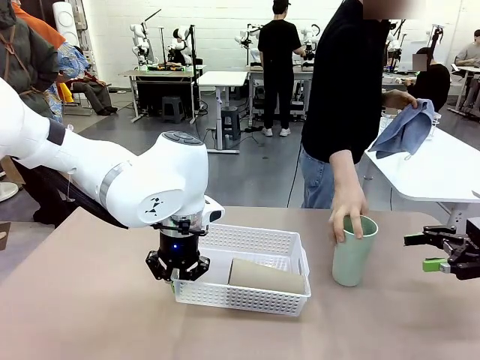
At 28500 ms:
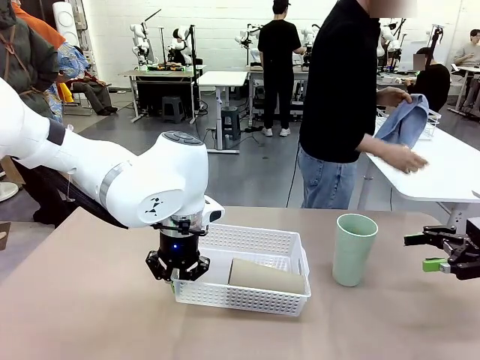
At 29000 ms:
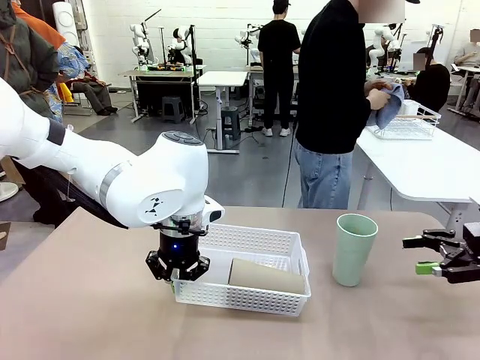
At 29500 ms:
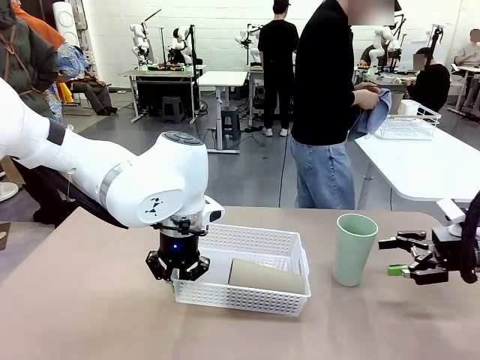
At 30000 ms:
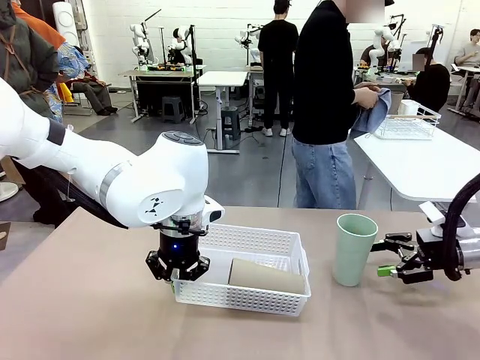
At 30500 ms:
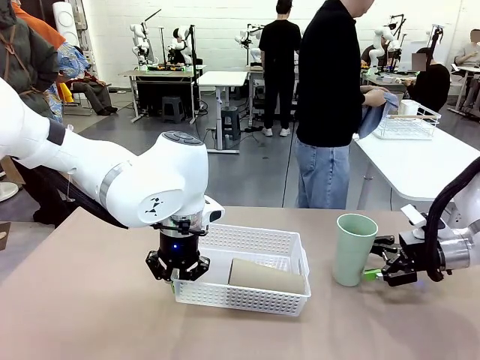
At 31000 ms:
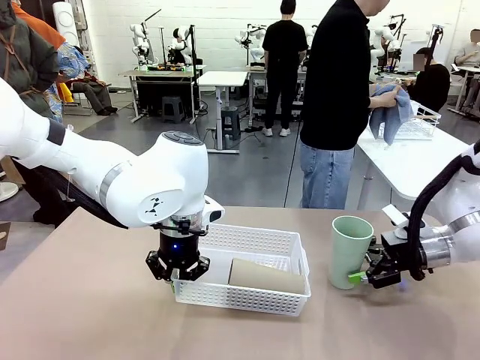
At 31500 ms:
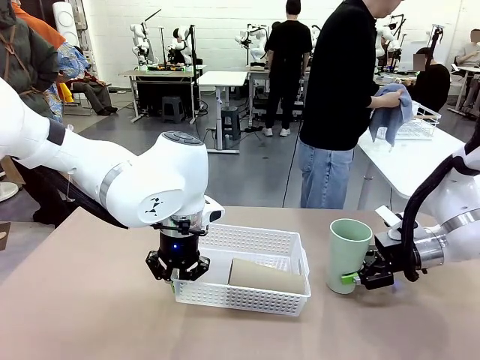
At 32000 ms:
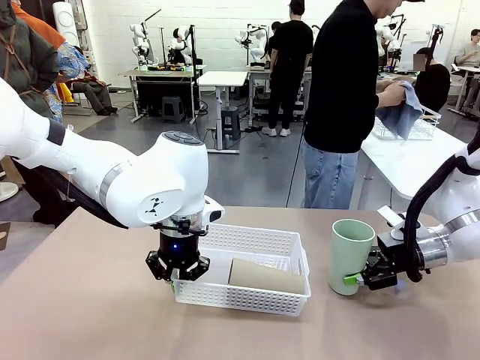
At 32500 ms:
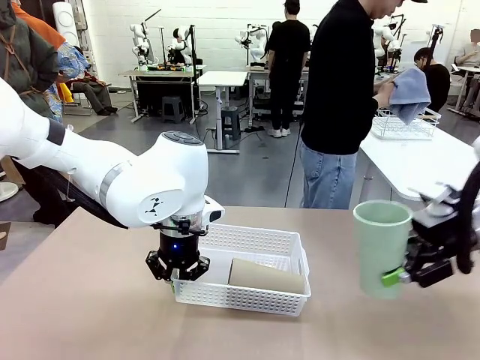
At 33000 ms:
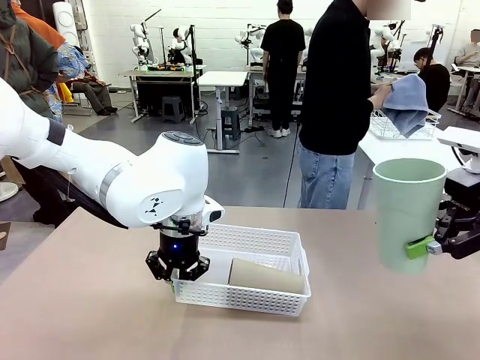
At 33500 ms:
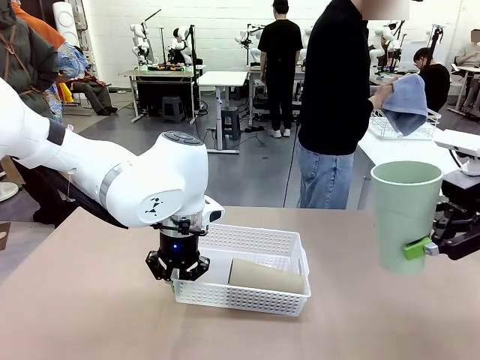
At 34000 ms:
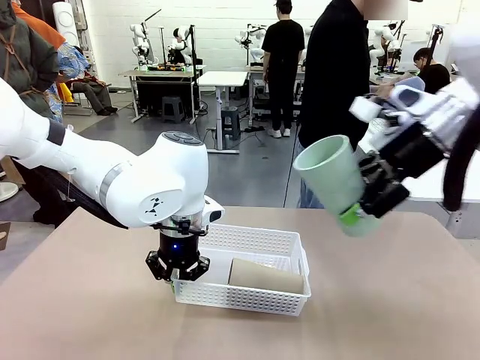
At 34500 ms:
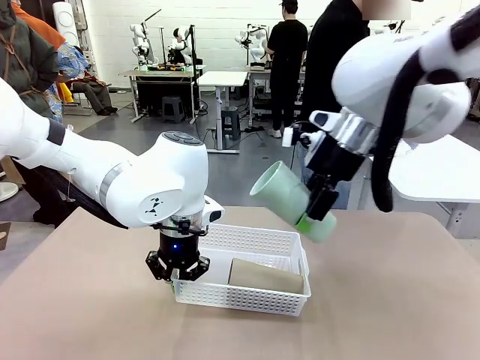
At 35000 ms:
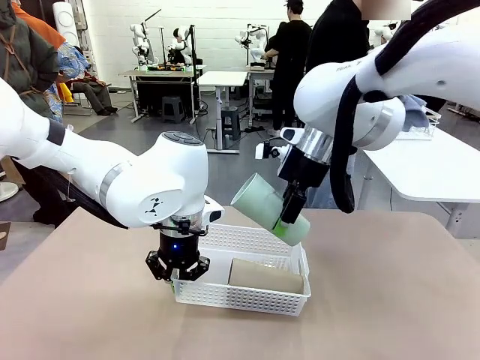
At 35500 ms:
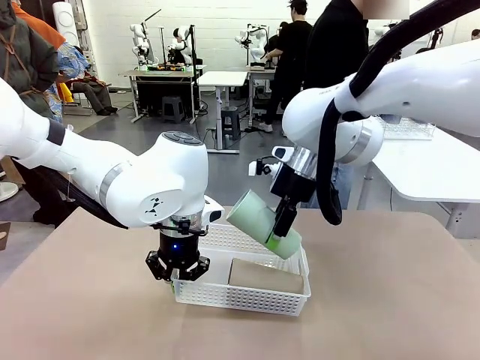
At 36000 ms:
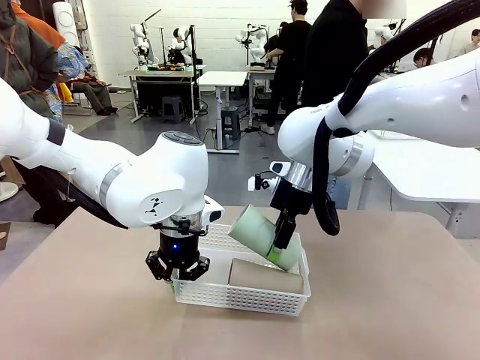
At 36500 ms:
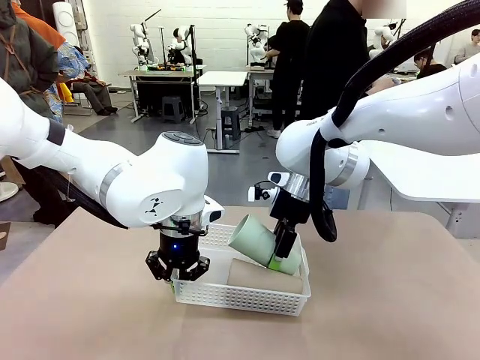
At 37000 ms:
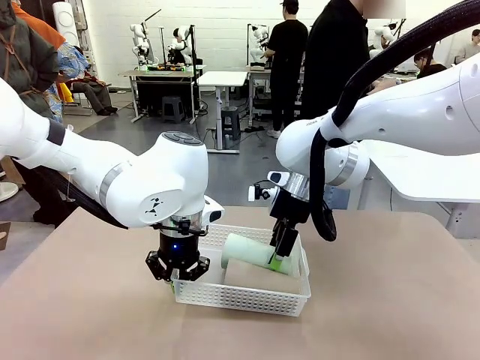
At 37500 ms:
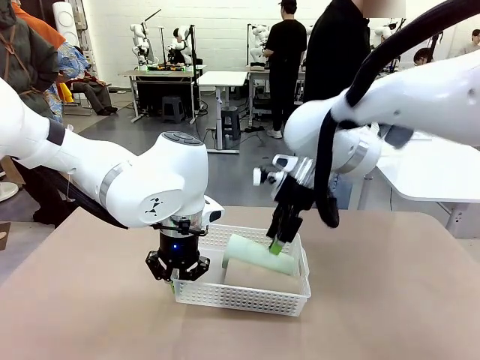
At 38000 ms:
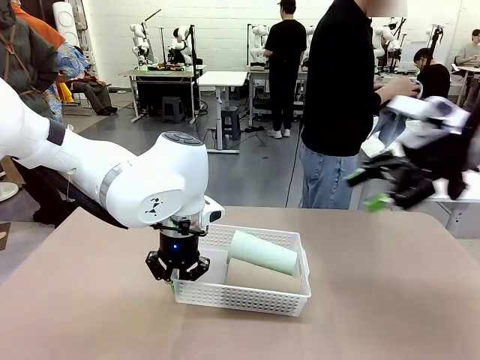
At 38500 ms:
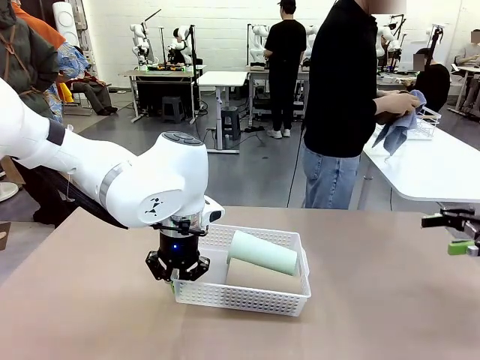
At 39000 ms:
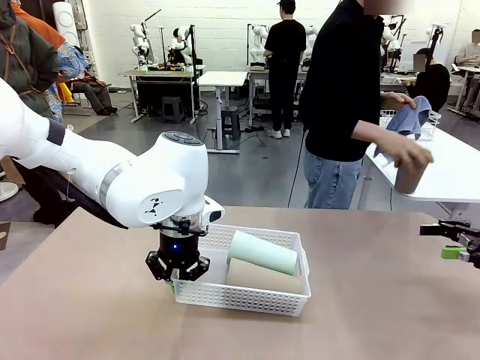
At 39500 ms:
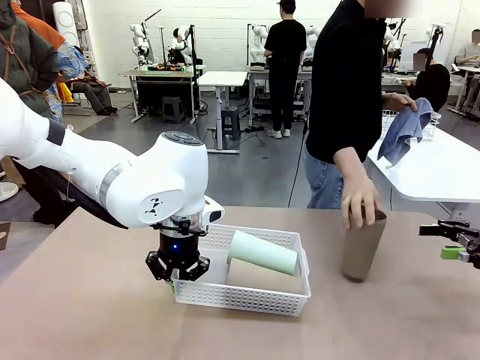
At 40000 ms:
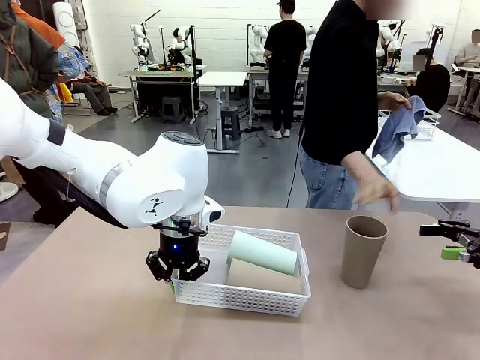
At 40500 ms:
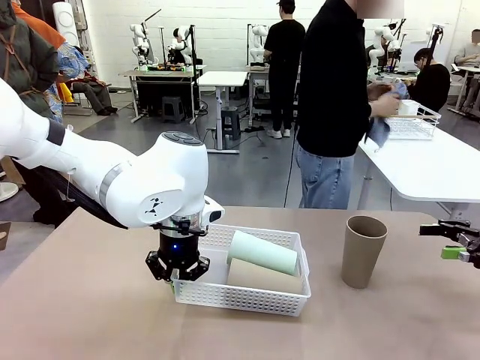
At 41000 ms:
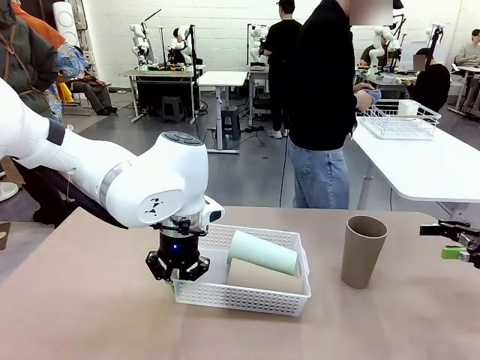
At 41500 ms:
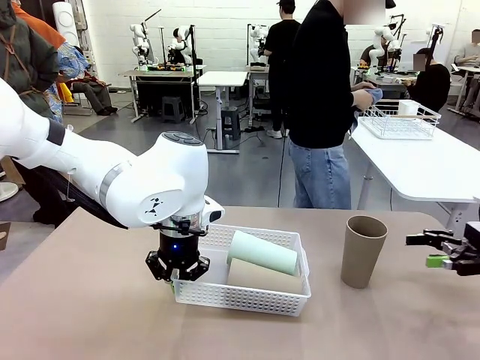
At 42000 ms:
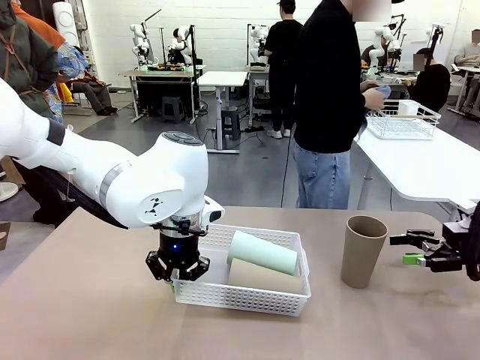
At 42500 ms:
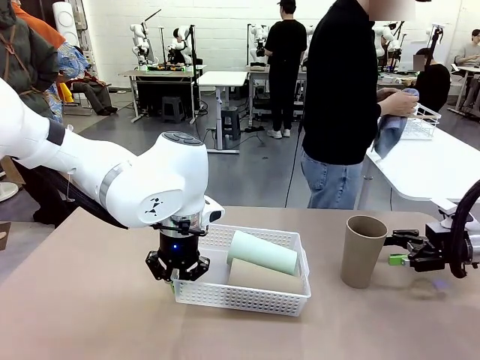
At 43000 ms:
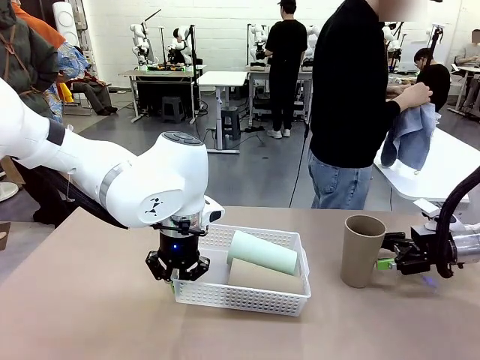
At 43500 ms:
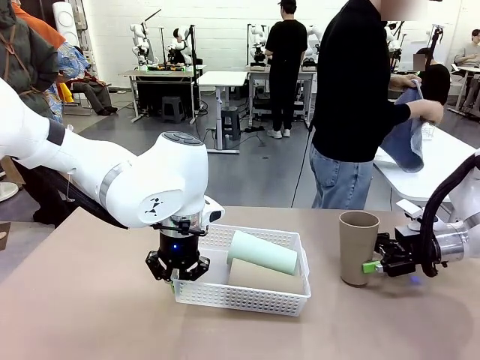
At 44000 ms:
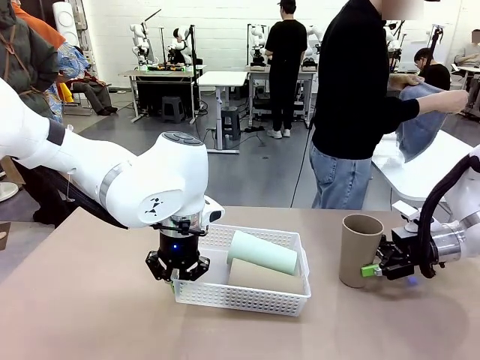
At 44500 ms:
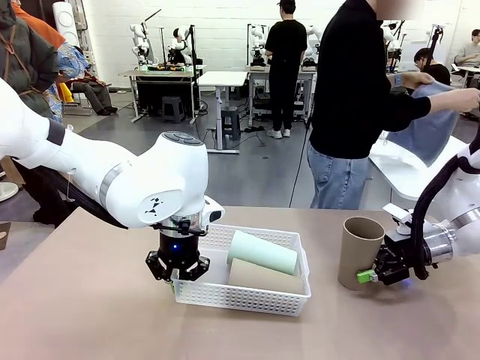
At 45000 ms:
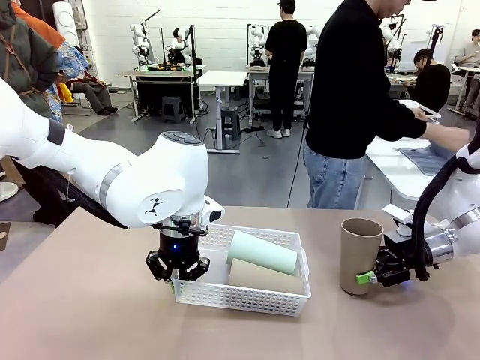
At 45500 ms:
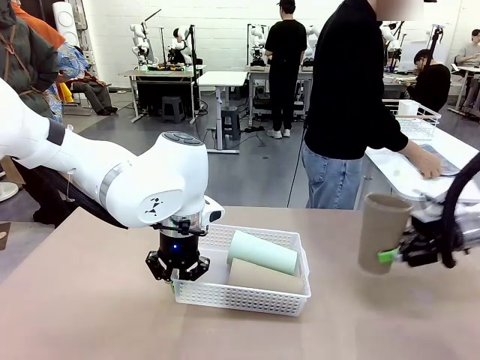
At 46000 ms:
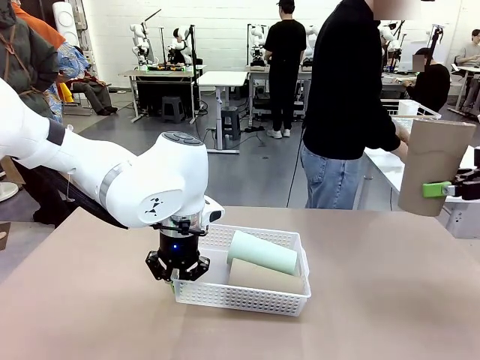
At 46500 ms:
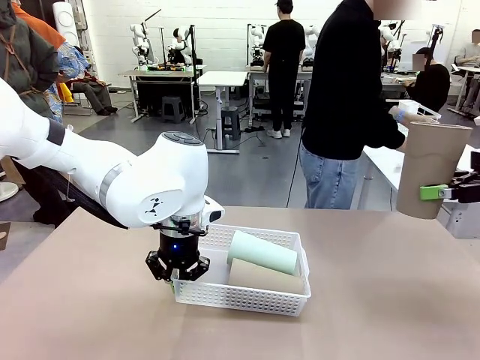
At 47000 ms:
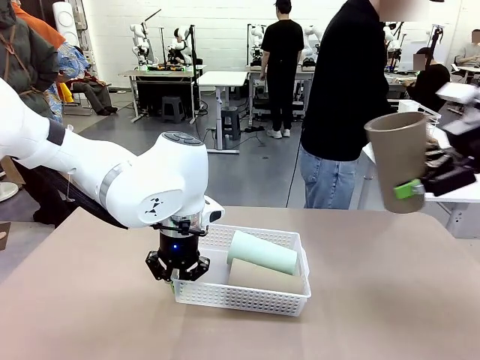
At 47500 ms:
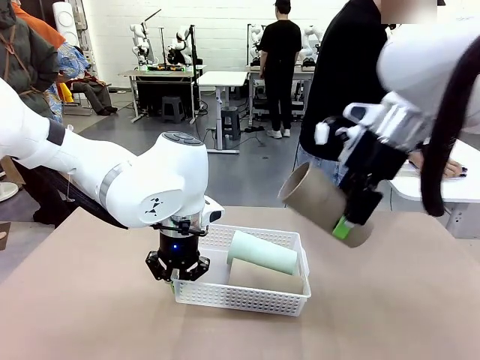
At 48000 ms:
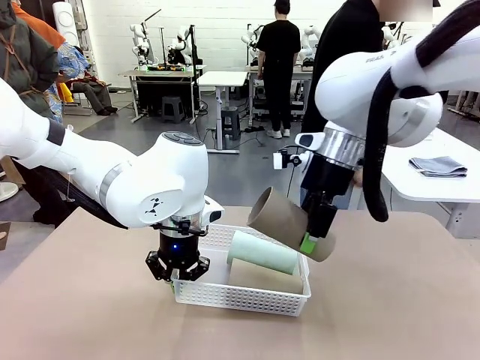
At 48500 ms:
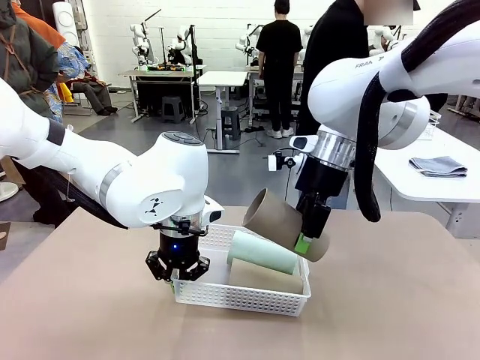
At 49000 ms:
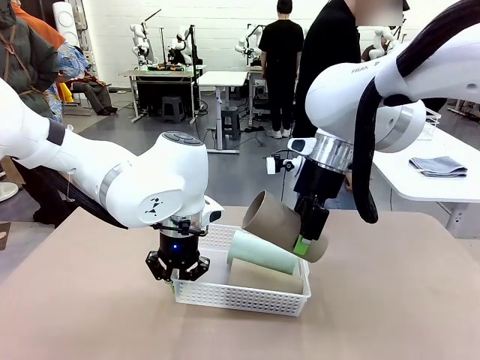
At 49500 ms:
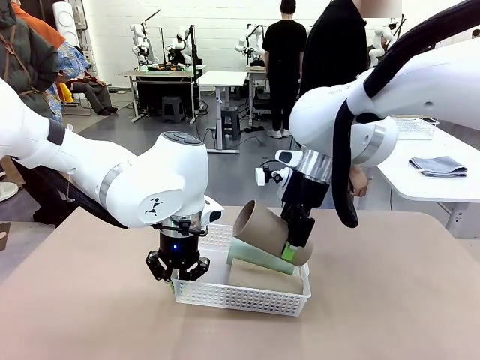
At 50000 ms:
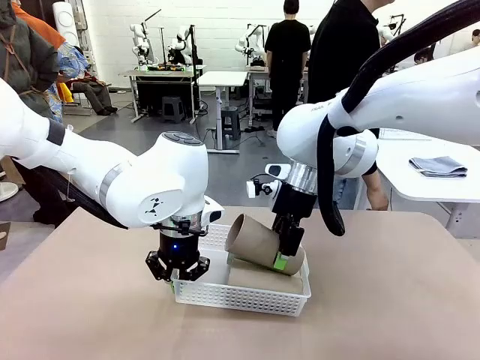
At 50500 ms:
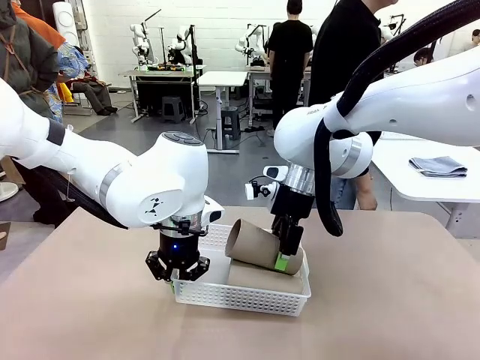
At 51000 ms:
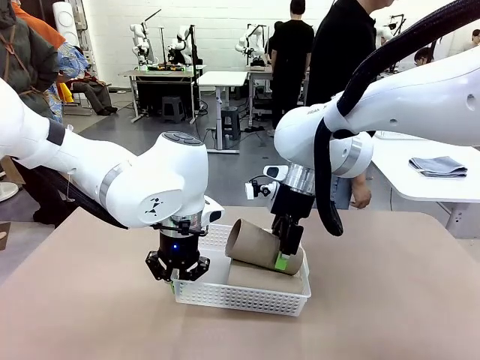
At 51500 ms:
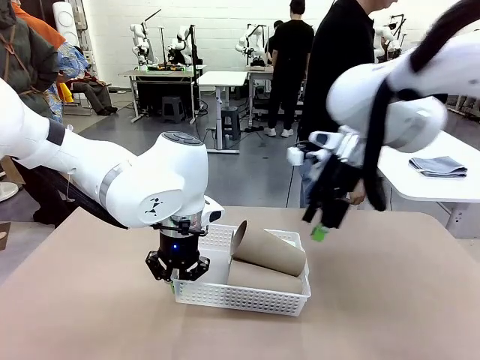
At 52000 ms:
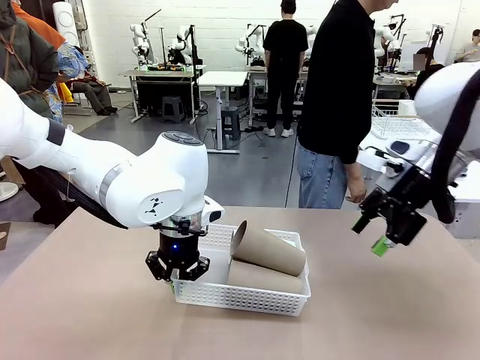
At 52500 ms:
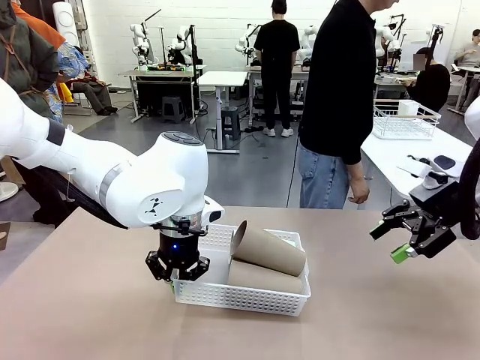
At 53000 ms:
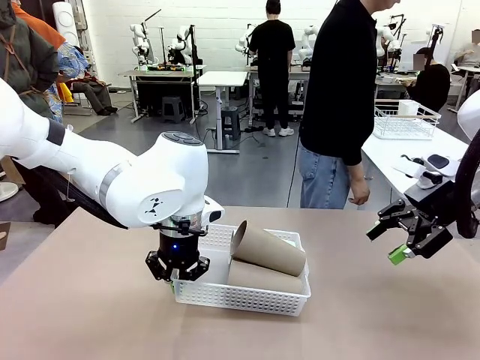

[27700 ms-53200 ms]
Task: Clean and organize the cups into the basket.
Robot: Pick up the Reusable plastic cup from the right side of the table and stack it inside the Organizing basket in the center of the table.
